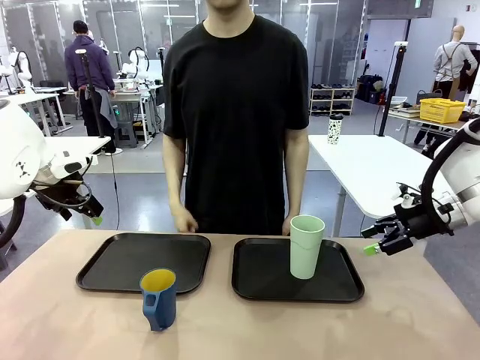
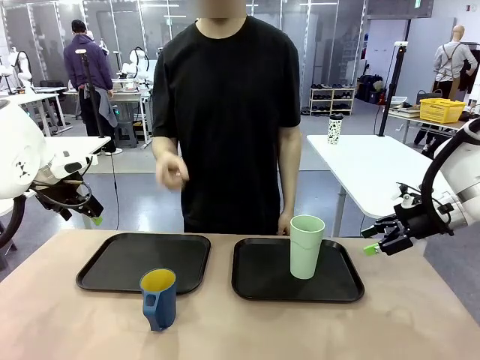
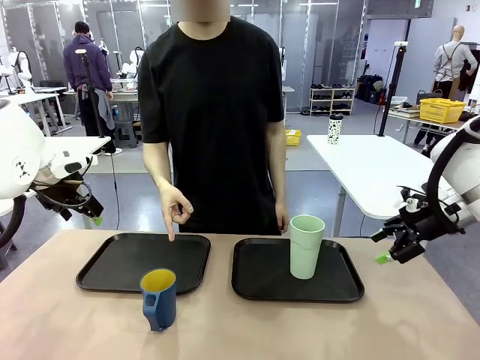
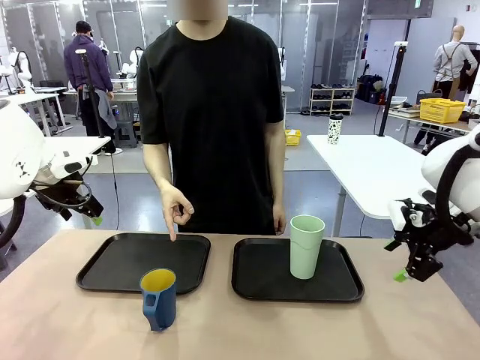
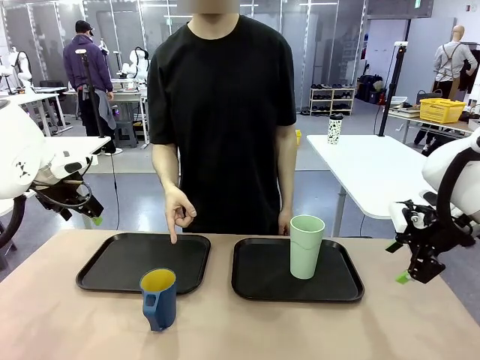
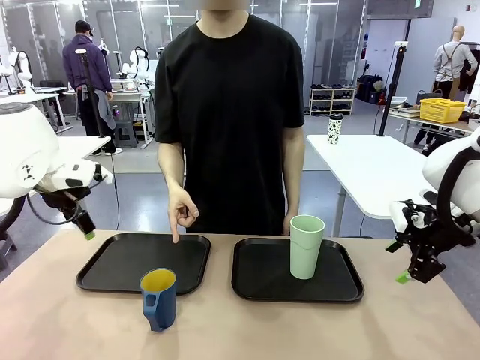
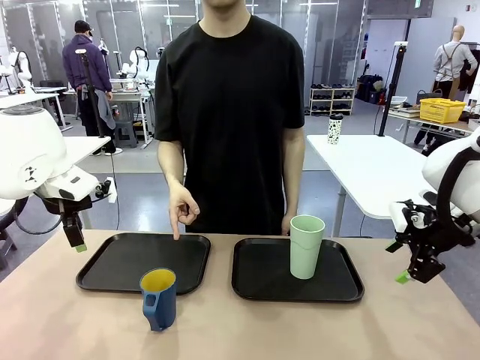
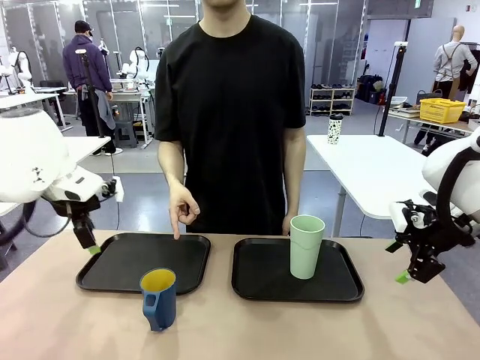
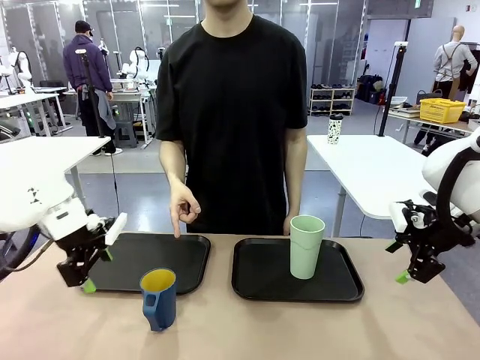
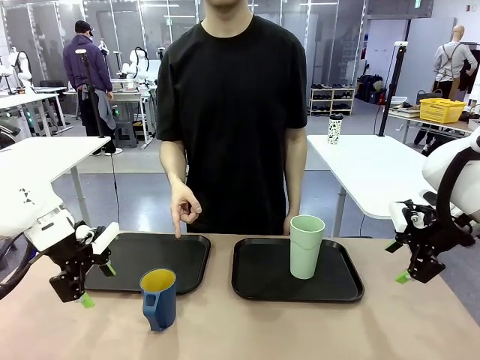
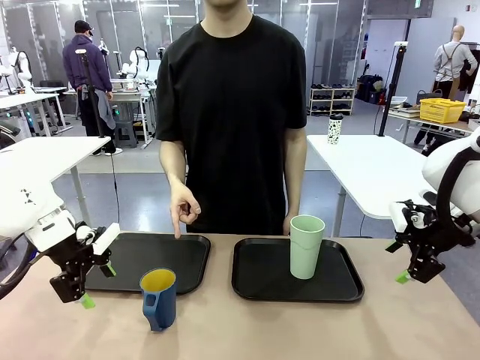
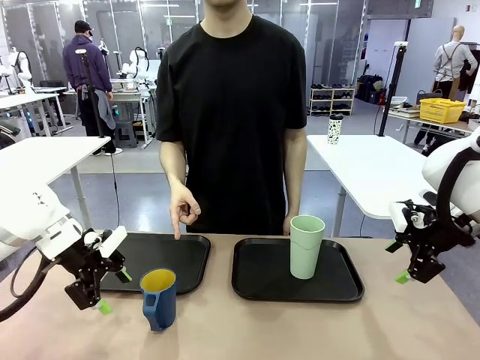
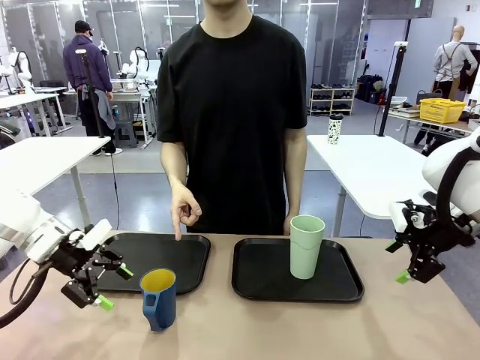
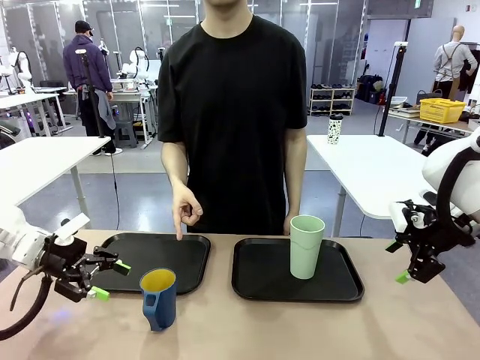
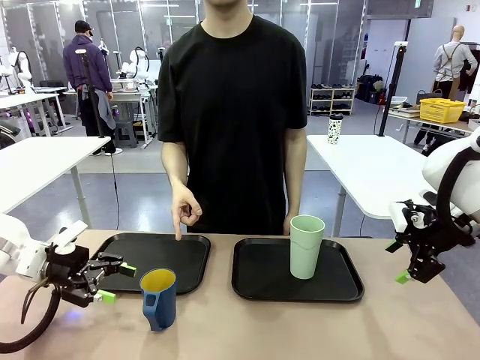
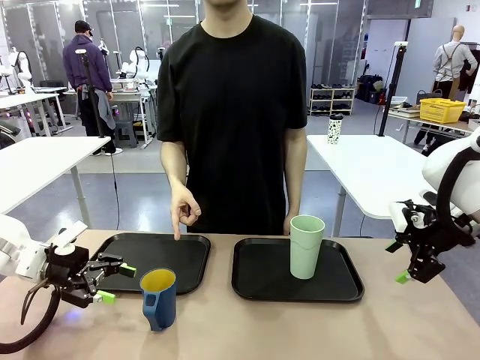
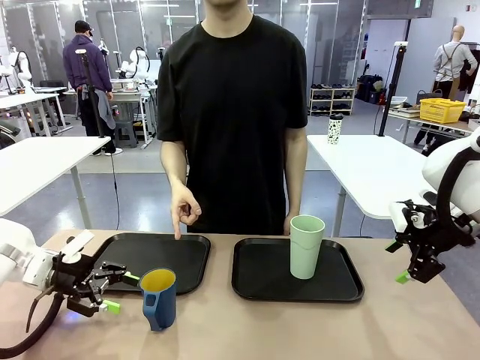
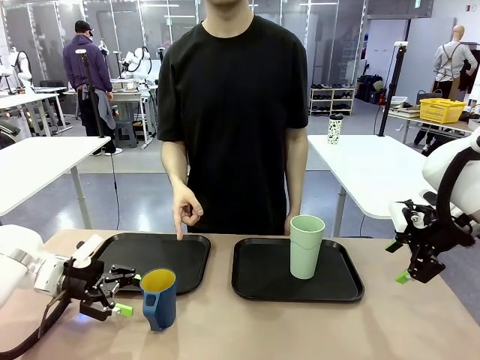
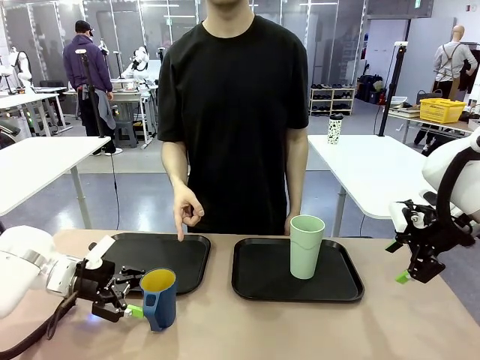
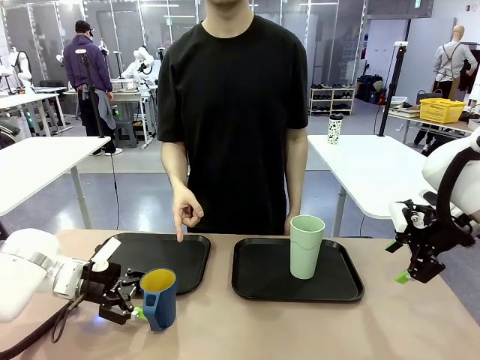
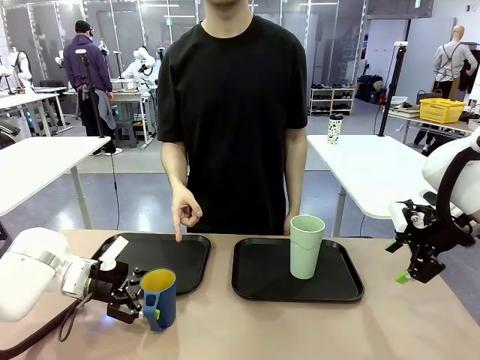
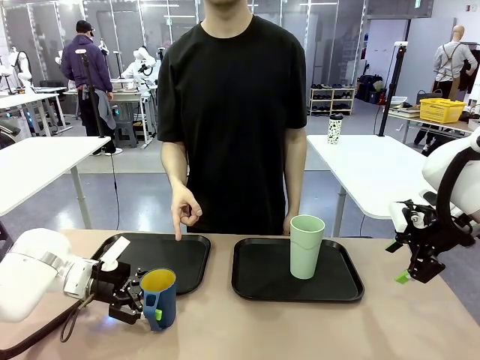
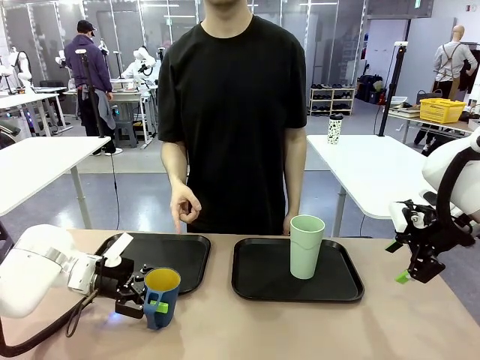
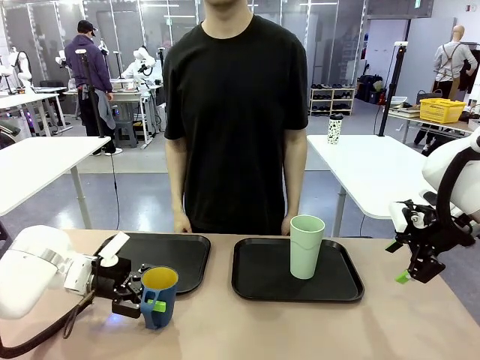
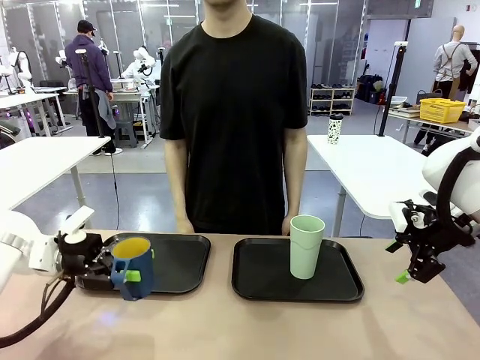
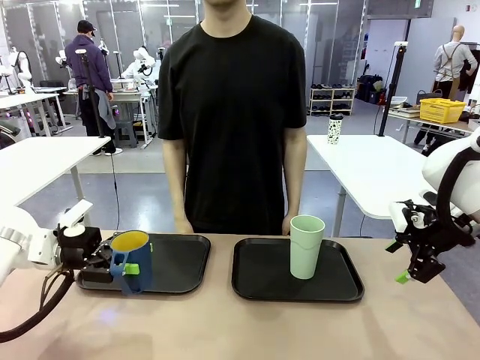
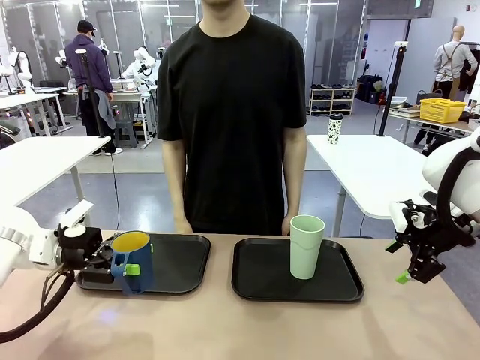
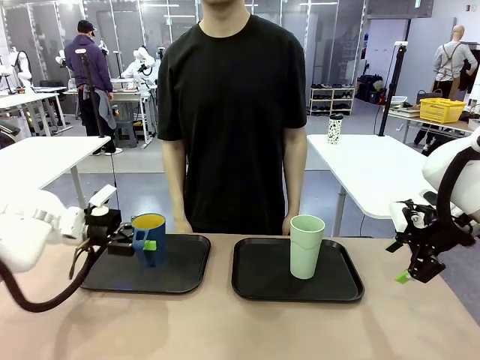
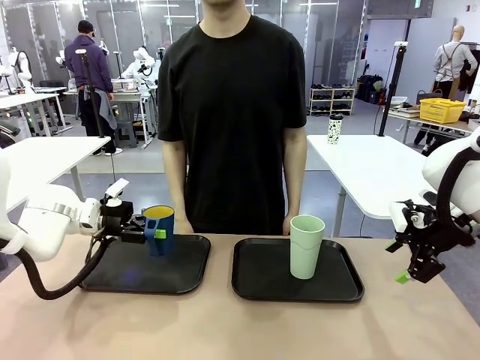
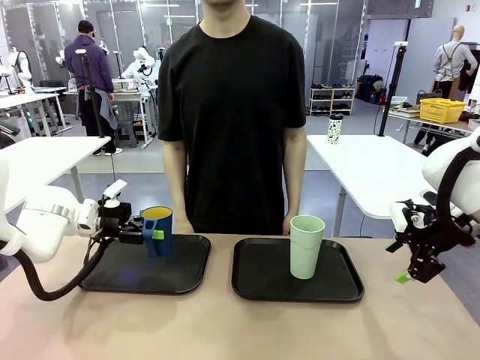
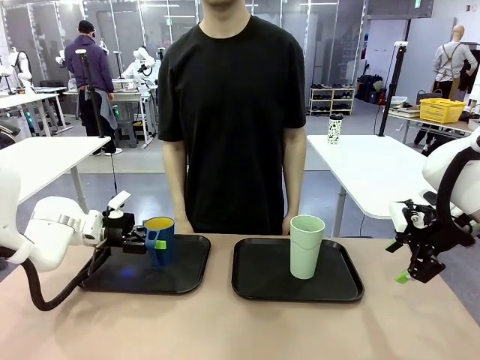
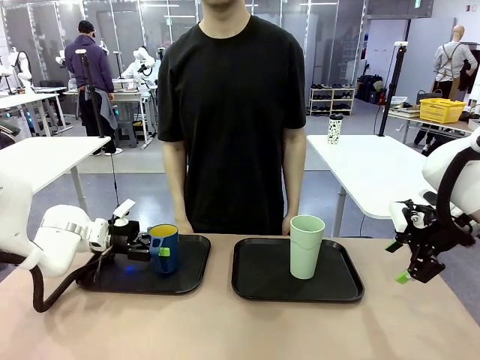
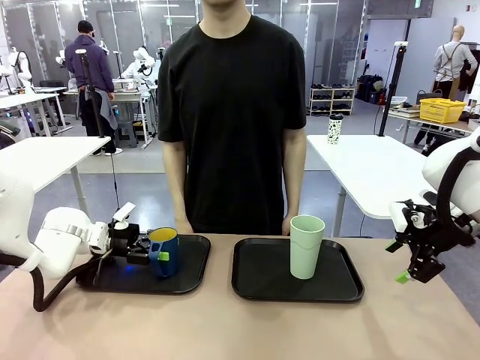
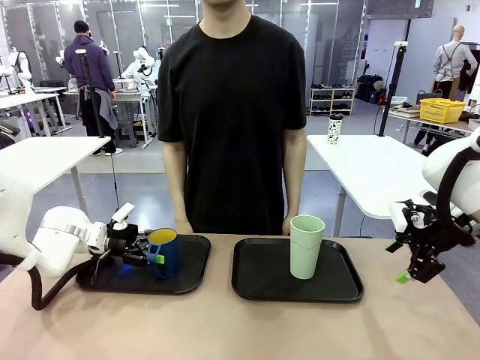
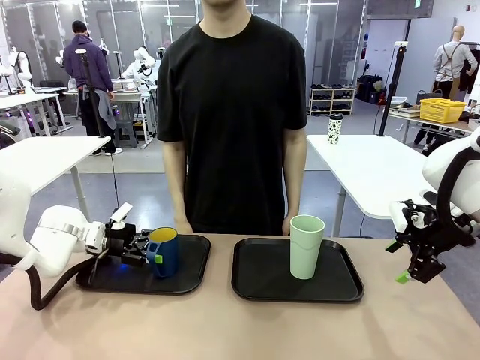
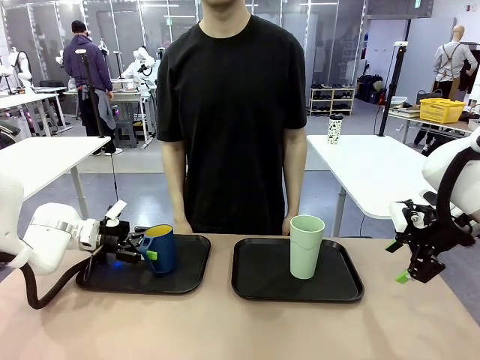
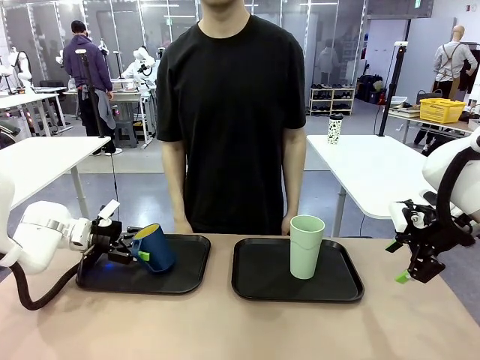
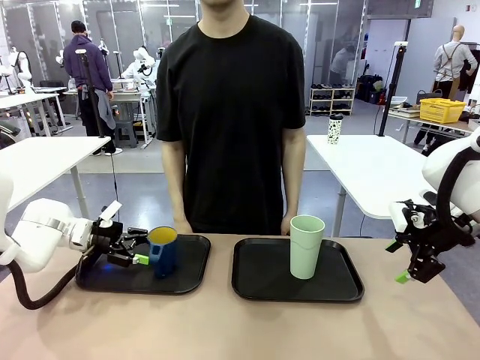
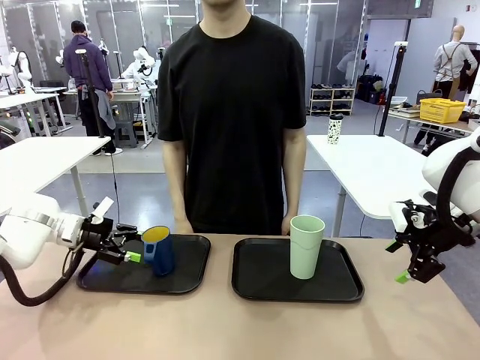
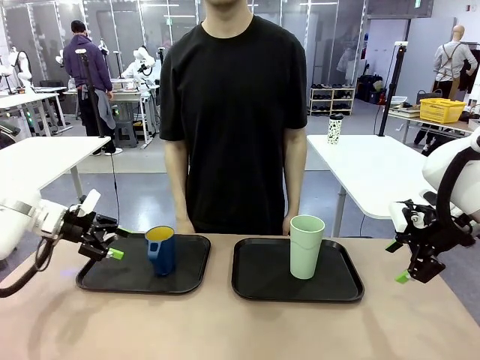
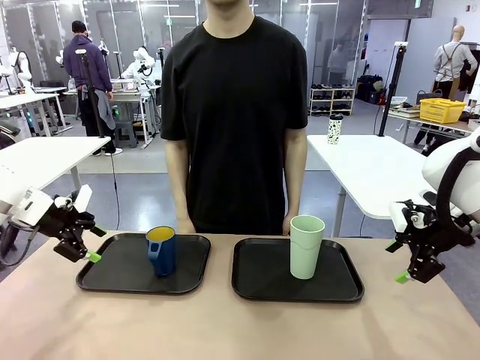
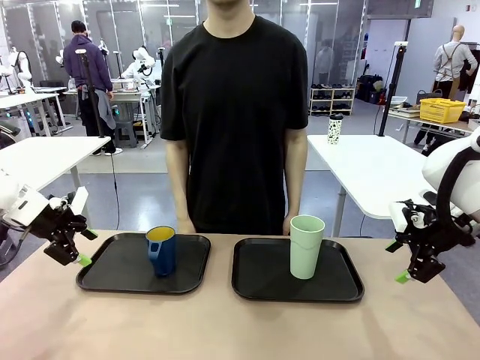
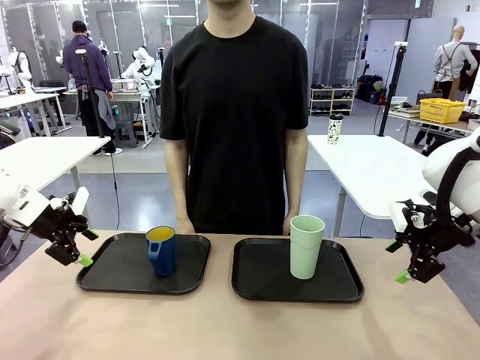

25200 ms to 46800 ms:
Task: Sort and store the cups by type.
Robot: Pick up the Handle plastic cup and place it into the empty Flat Tray.
Person: Points to the cup with a handle.
